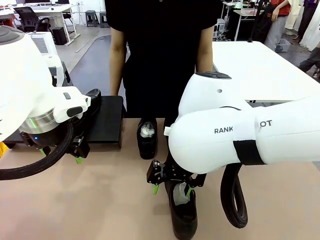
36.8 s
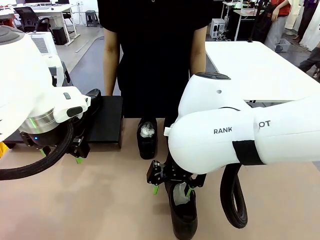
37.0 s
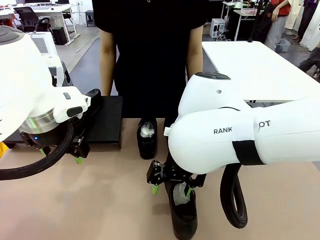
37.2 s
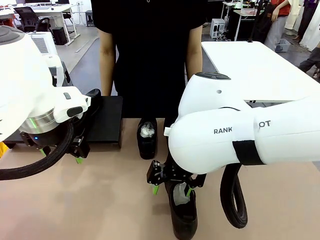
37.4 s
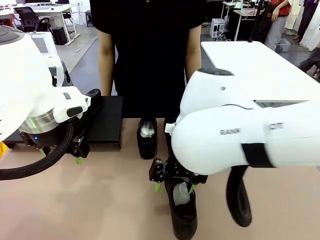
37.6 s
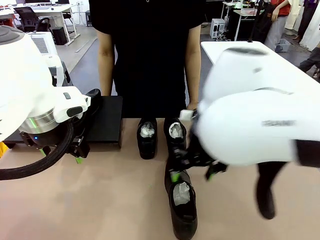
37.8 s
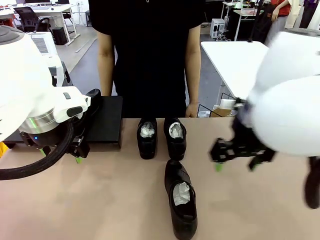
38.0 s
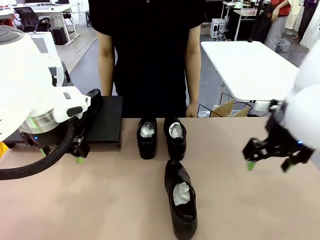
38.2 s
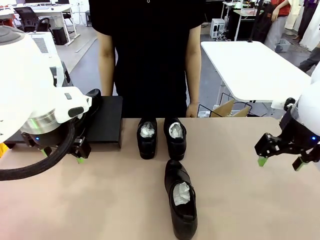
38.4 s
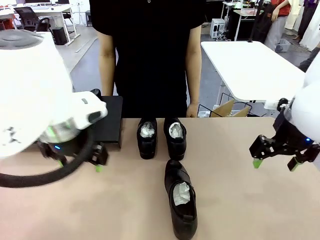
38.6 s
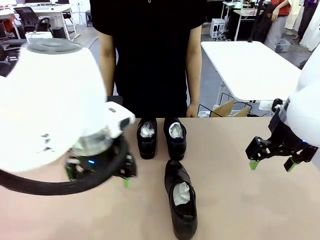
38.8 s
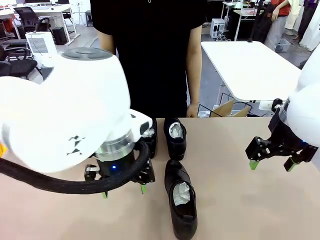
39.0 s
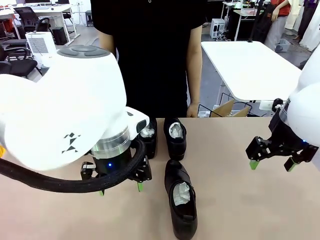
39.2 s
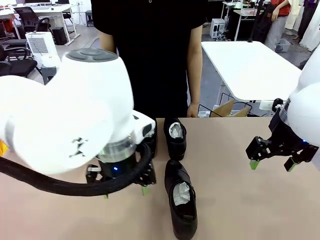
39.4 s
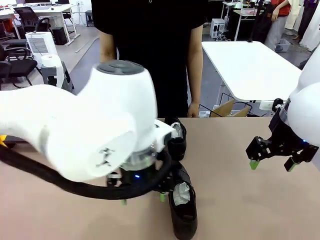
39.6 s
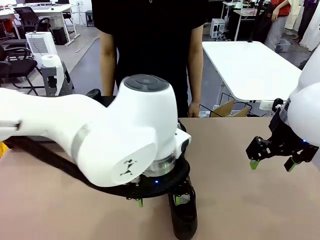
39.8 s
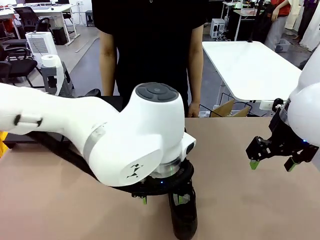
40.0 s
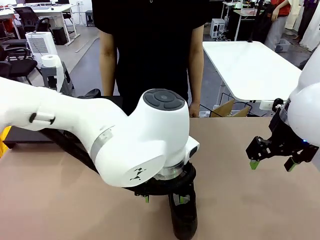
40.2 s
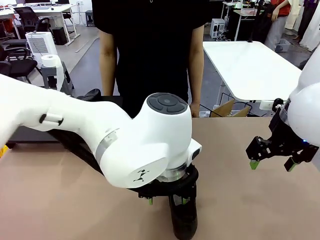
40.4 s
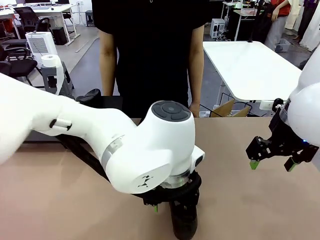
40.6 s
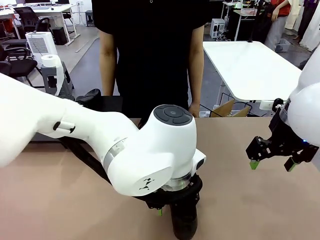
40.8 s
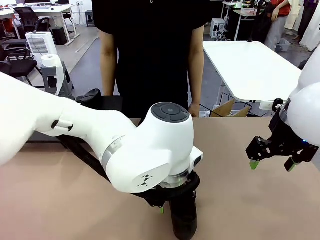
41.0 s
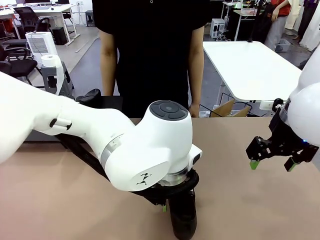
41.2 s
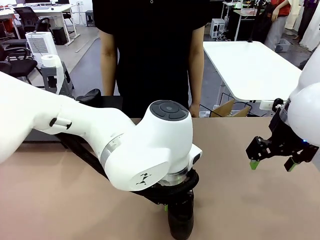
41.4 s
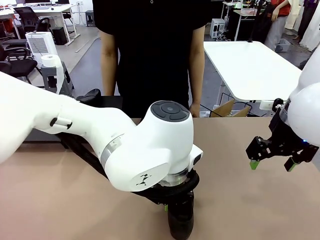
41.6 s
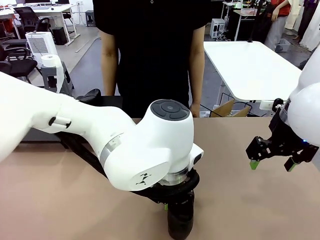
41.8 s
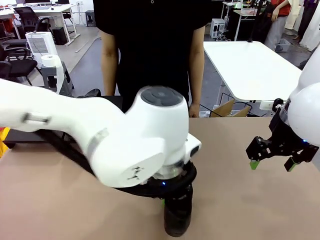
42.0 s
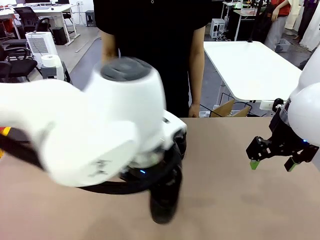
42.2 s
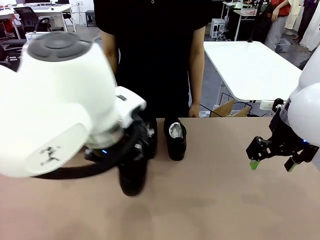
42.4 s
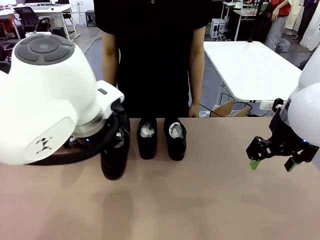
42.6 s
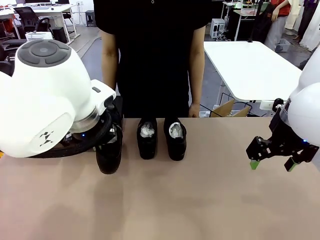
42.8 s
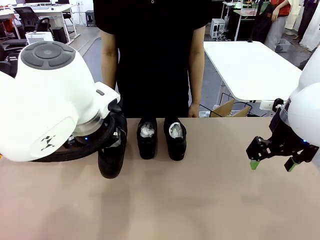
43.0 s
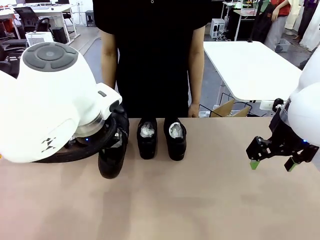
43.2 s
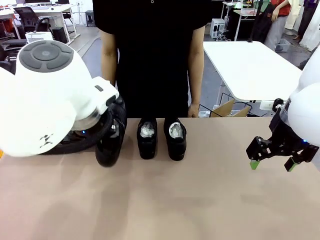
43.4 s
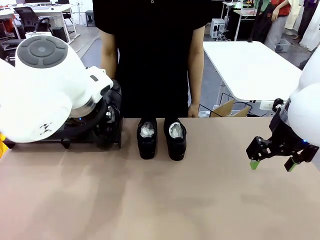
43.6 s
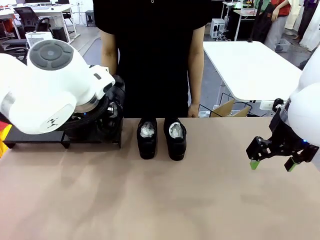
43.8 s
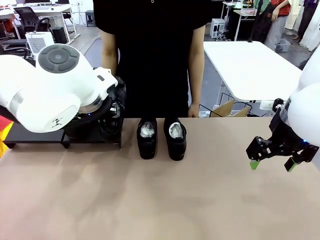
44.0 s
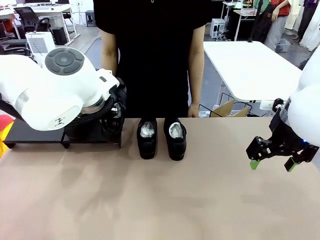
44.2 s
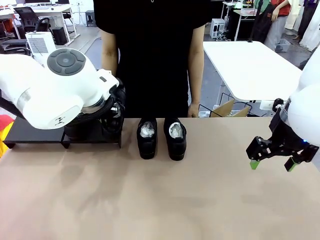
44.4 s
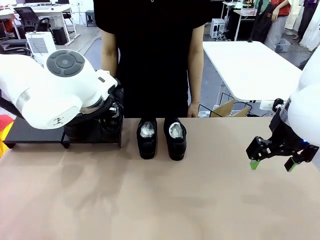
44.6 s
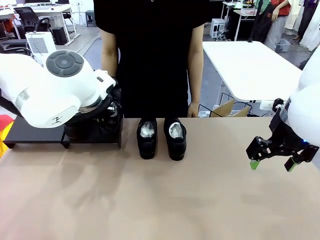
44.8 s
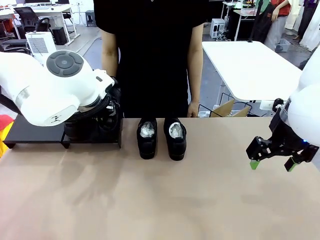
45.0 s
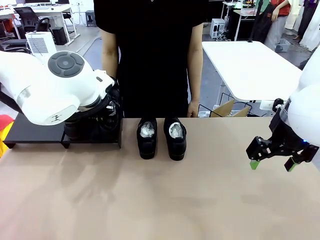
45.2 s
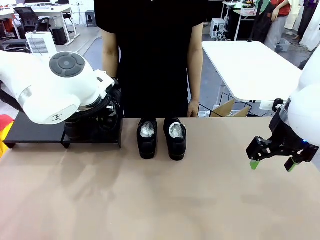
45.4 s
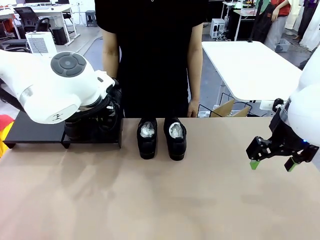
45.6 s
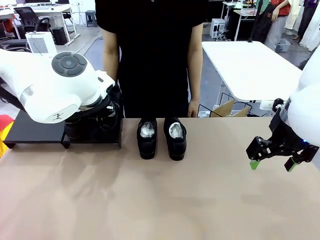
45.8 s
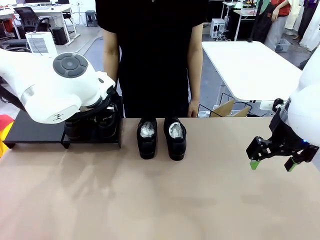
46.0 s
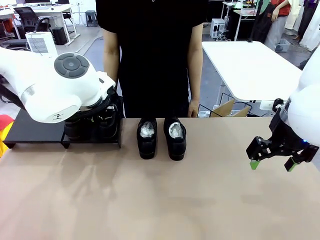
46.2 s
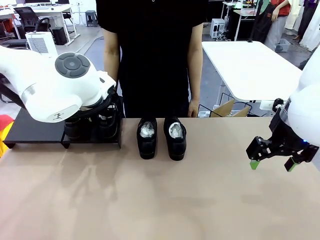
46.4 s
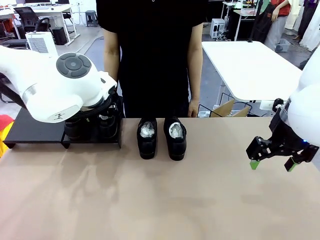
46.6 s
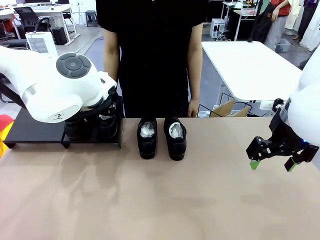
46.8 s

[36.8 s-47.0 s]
Task: Organize the shoes by placing them on the stand.
Robot: Place the Shoe from the middle of the table onto the Shoes Stand.

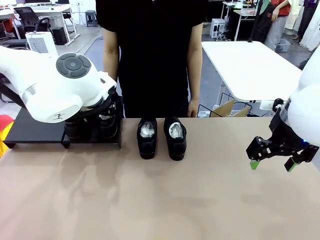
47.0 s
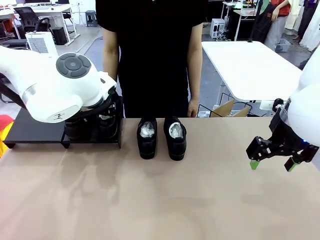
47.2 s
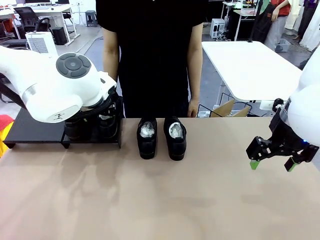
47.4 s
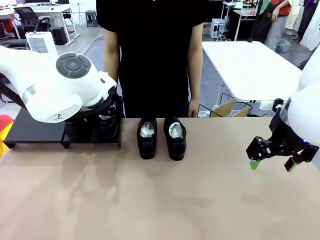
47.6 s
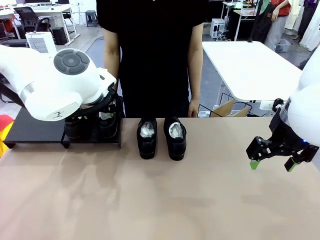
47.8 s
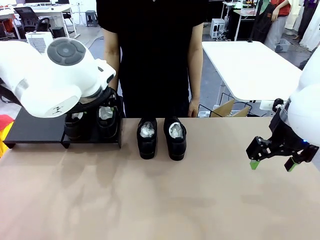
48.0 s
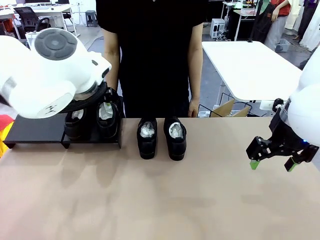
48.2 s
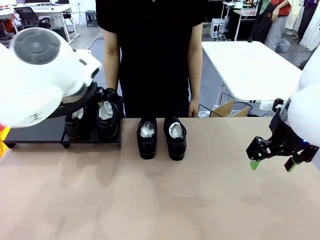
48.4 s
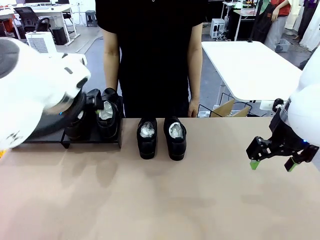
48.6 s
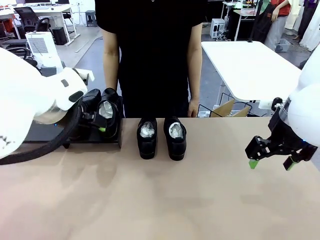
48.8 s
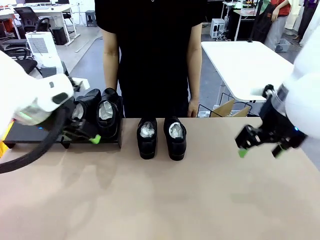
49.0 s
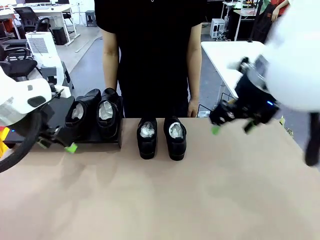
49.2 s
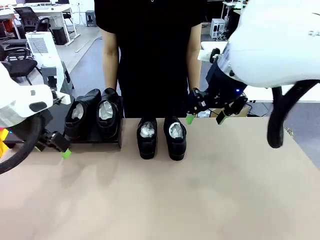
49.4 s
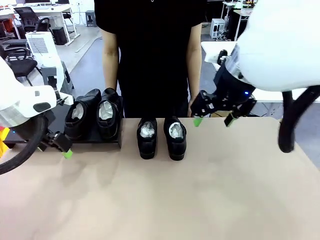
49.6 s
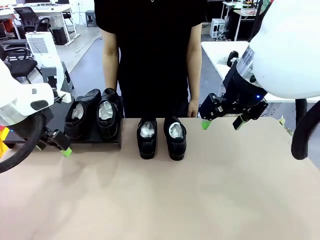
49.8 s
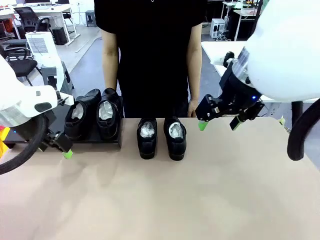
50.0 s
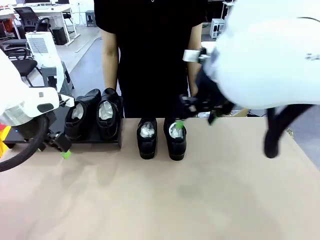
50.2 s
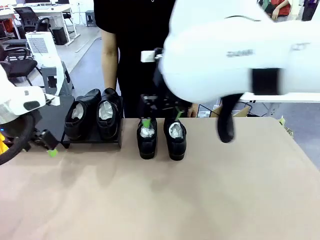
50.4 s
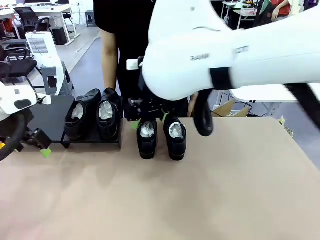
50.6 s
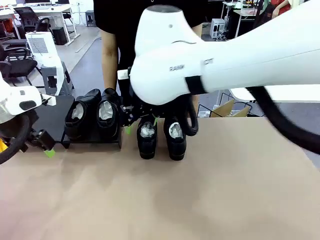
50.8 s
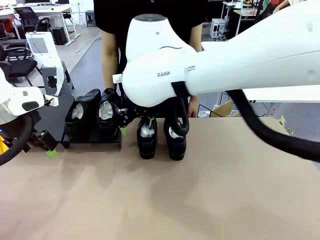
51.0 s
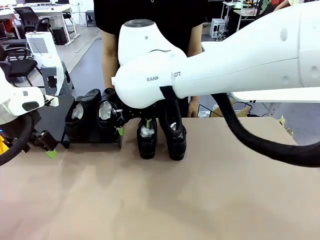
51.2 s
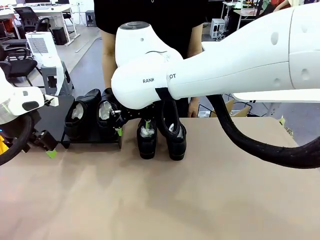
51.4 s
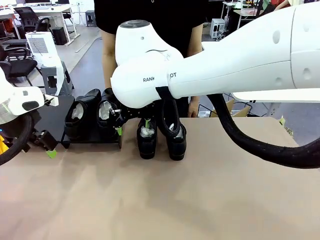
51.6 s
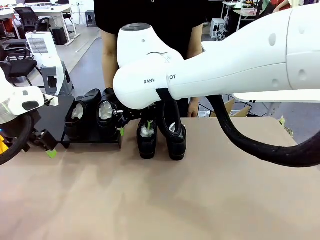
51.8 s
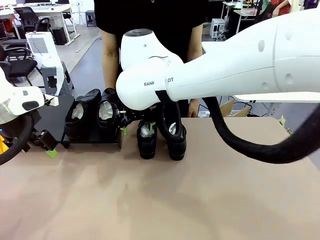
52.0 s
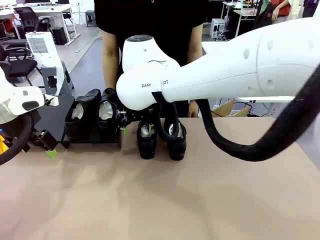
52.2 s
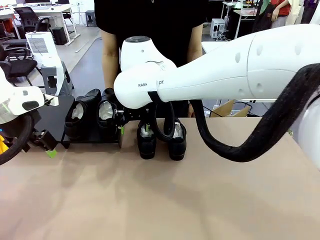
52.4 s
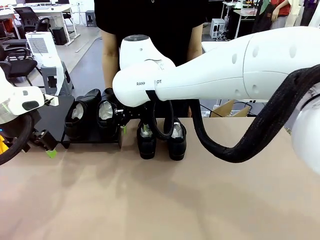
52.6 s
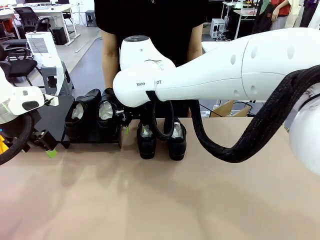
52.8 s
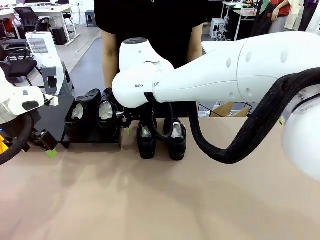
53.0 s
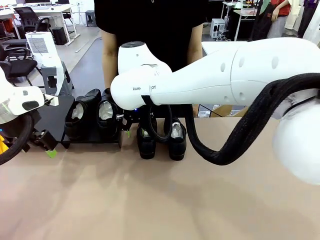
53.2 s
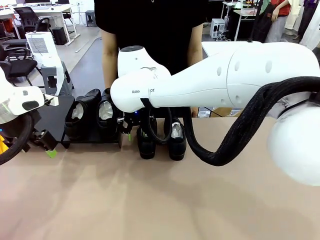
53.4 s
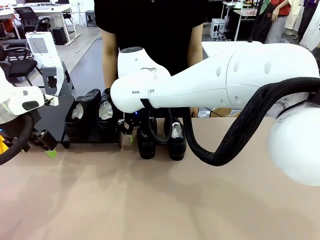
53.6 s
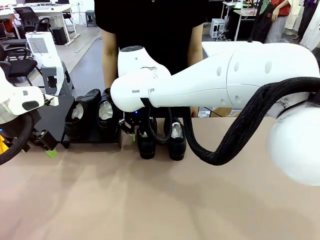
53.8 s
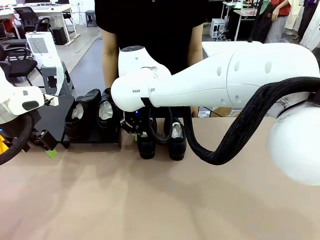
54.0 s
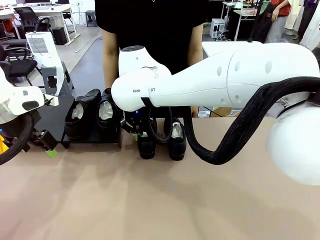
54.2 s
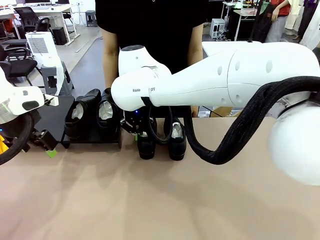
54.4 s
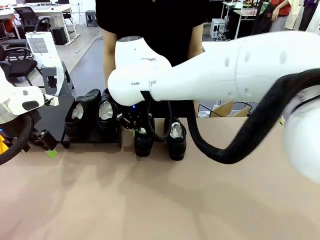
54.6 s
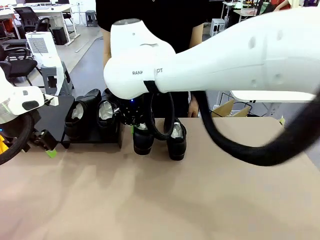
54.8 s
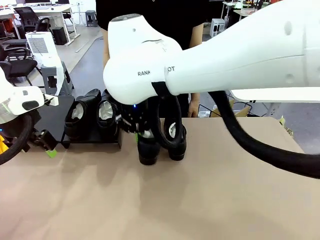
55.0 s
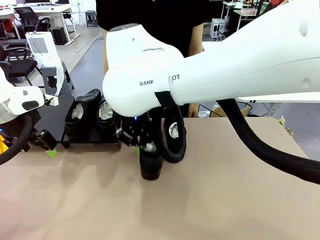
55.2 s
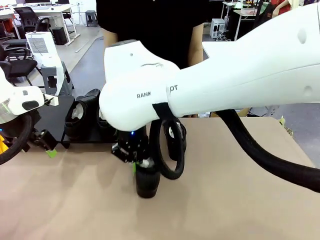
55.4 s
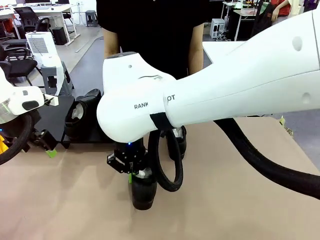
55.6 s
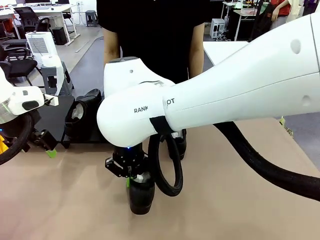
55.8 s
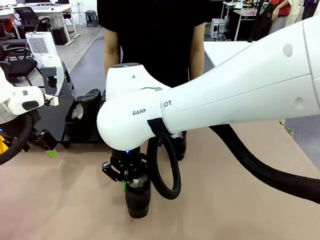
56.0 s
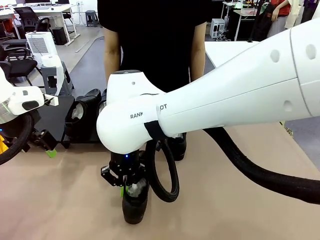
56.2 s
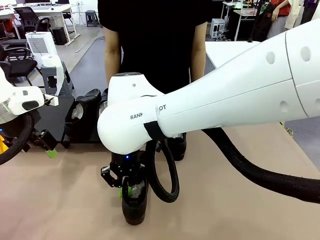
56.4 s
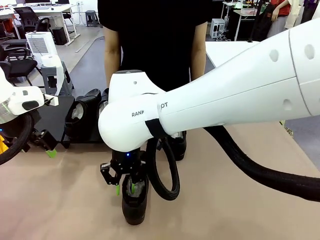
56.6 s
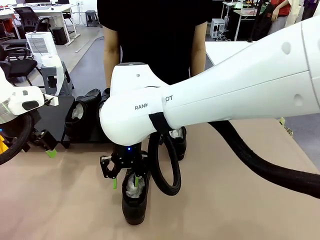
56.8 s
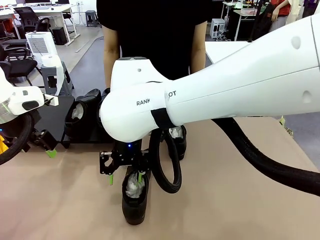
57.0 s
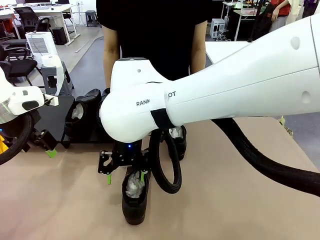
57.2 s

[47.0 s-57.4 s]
Robot: Pick up one Shoe and place it in the middle of the table.
